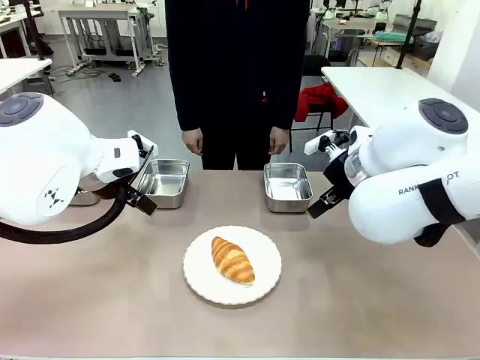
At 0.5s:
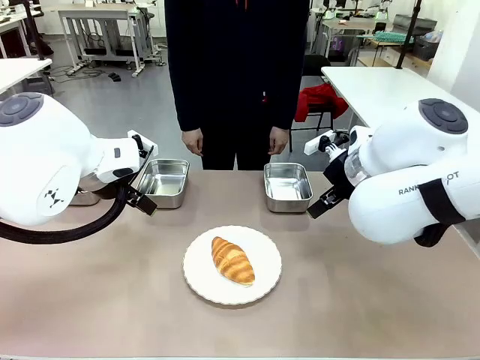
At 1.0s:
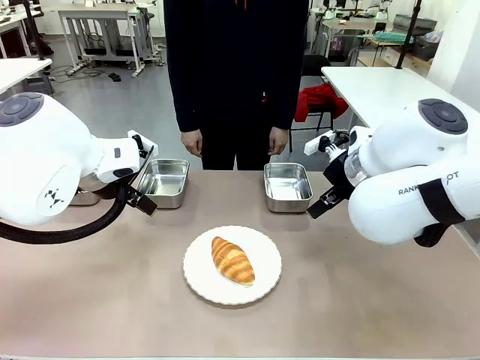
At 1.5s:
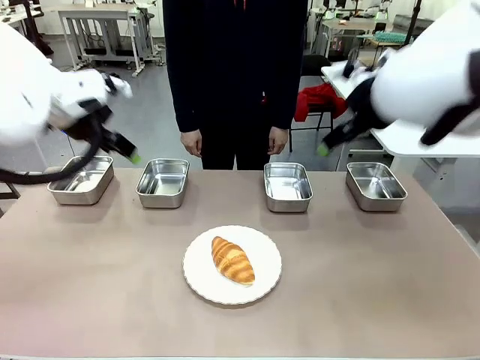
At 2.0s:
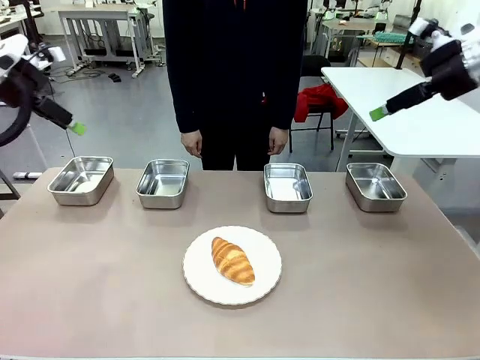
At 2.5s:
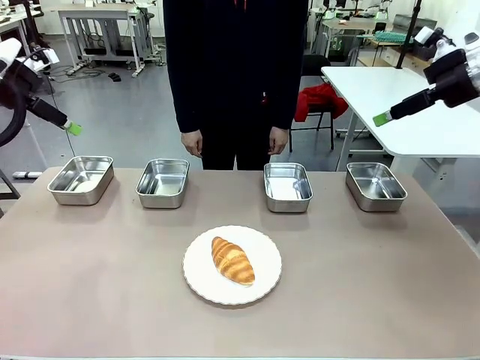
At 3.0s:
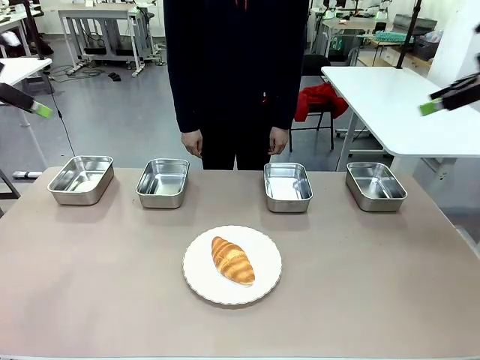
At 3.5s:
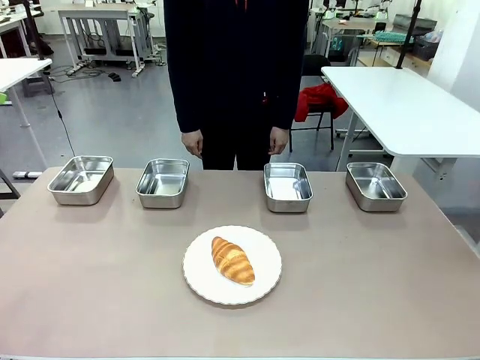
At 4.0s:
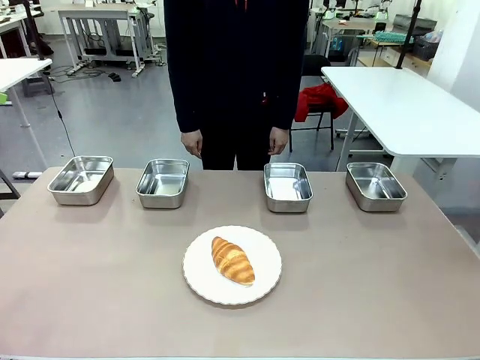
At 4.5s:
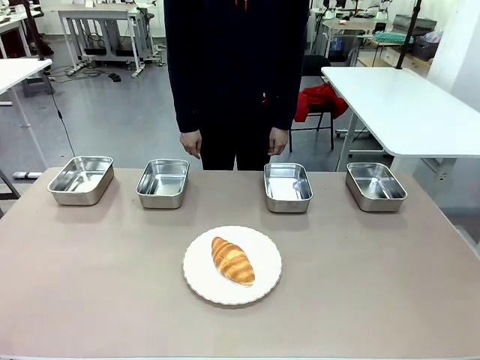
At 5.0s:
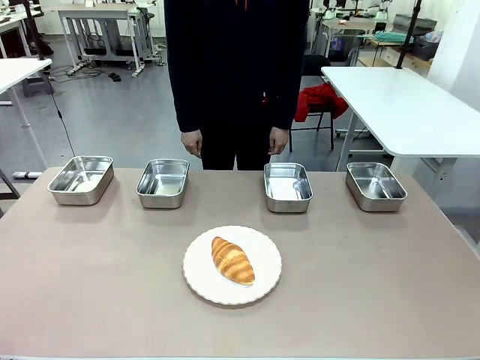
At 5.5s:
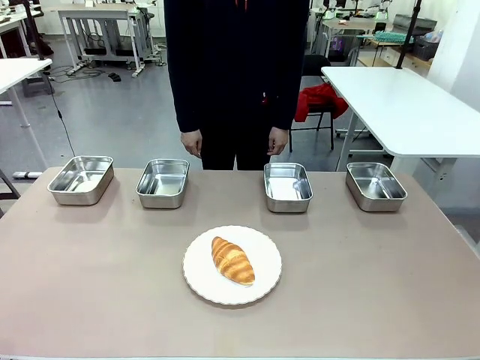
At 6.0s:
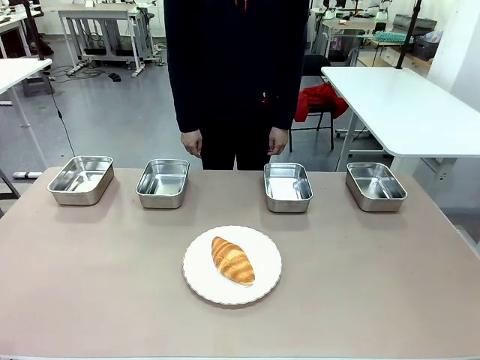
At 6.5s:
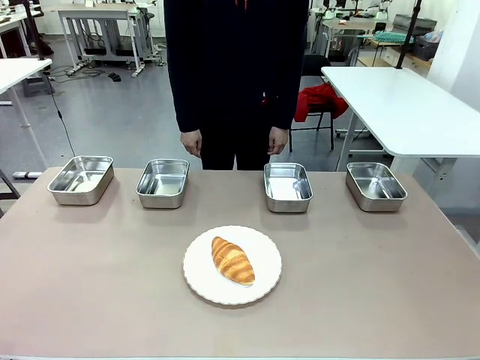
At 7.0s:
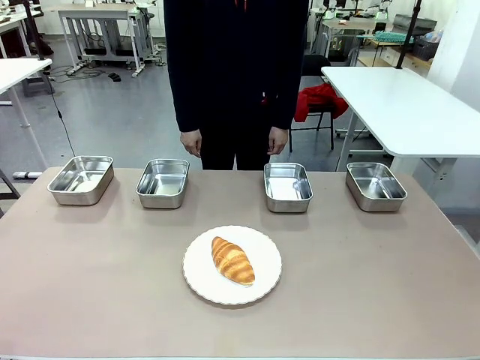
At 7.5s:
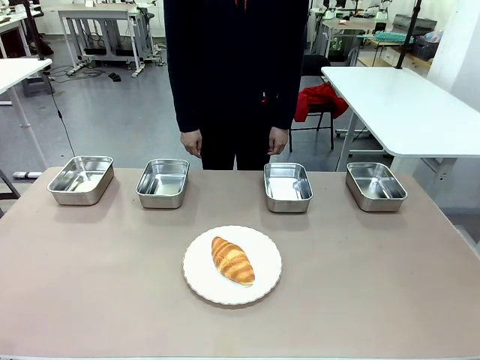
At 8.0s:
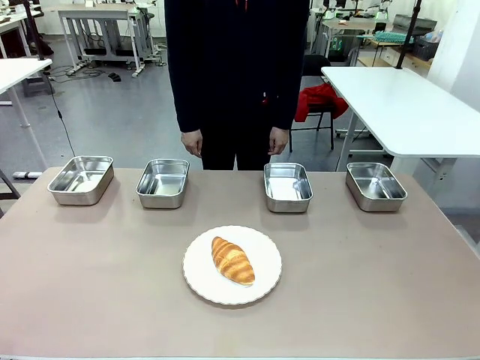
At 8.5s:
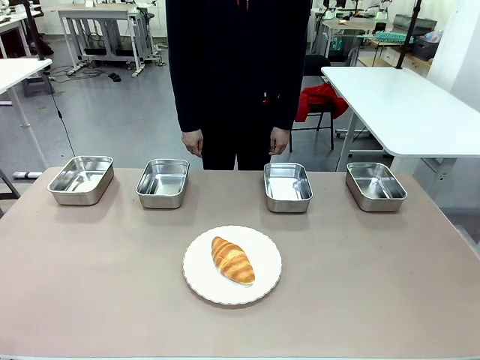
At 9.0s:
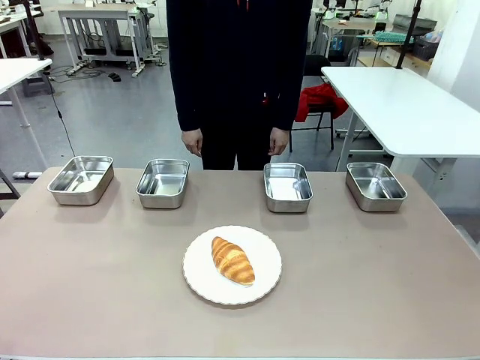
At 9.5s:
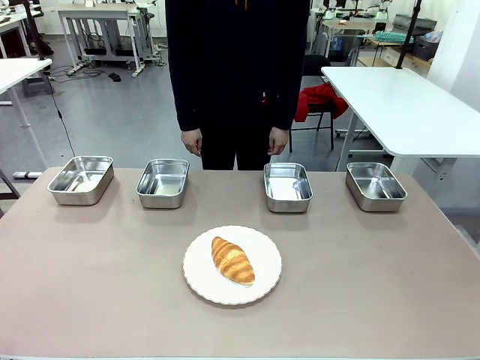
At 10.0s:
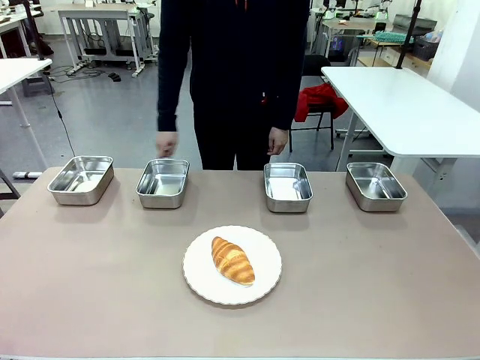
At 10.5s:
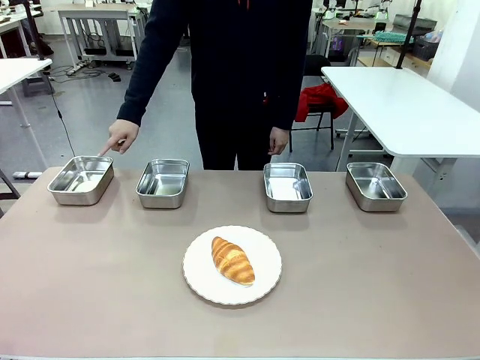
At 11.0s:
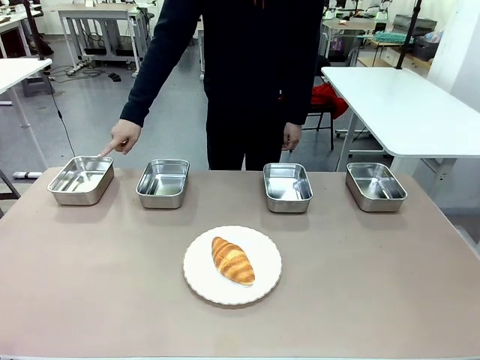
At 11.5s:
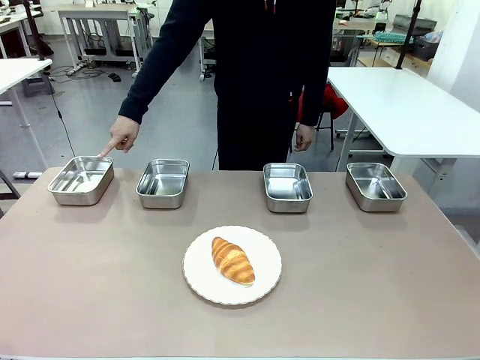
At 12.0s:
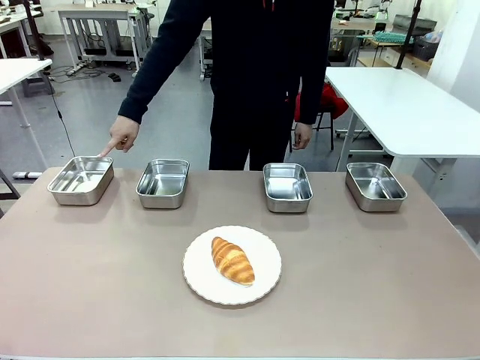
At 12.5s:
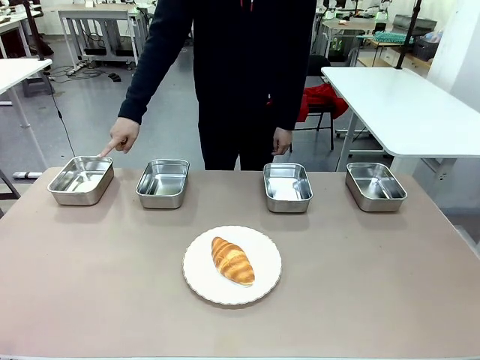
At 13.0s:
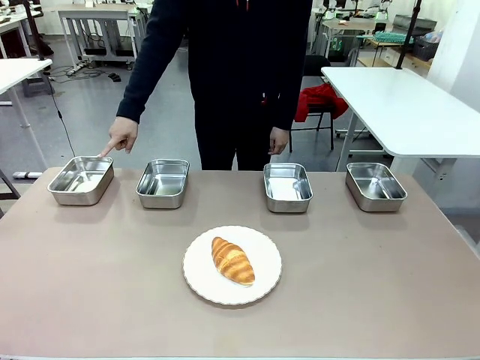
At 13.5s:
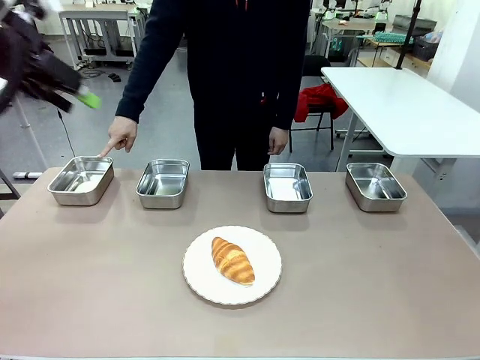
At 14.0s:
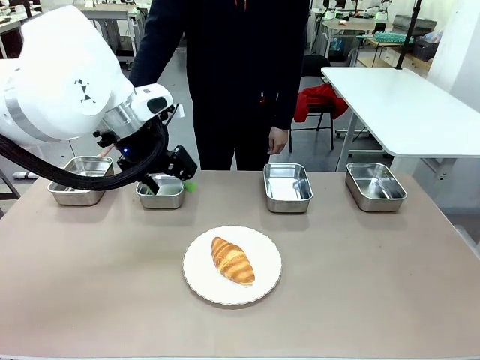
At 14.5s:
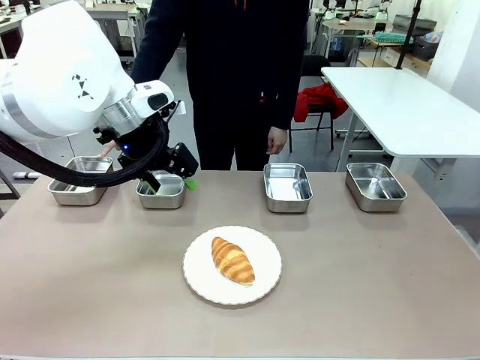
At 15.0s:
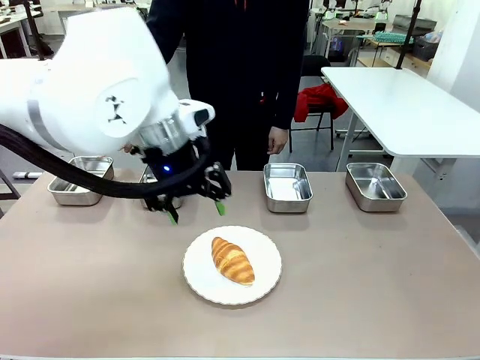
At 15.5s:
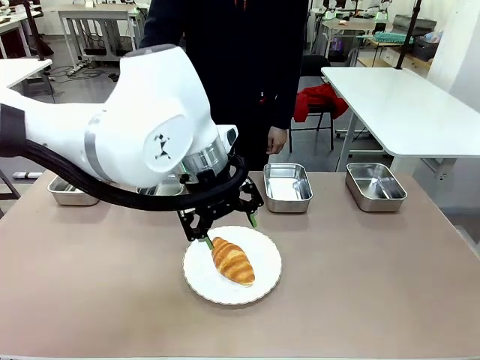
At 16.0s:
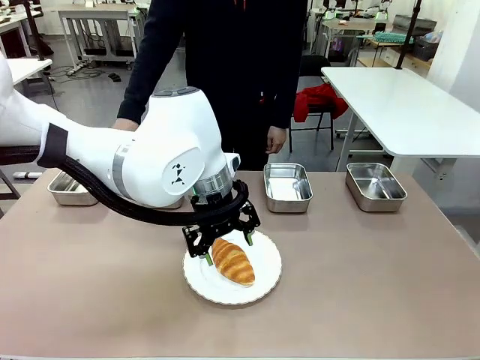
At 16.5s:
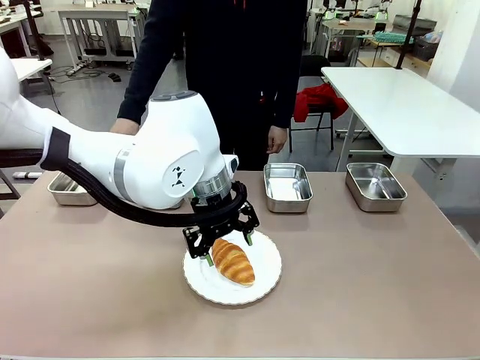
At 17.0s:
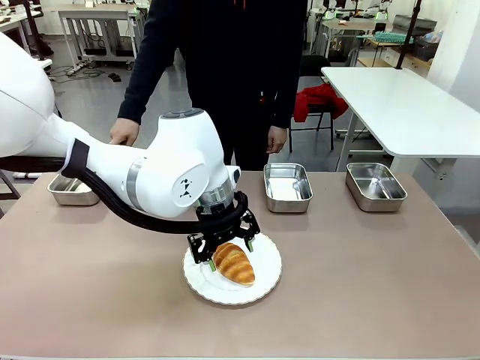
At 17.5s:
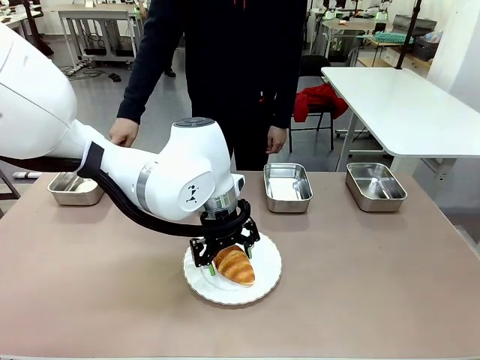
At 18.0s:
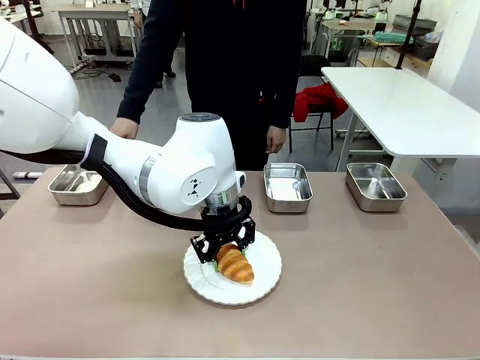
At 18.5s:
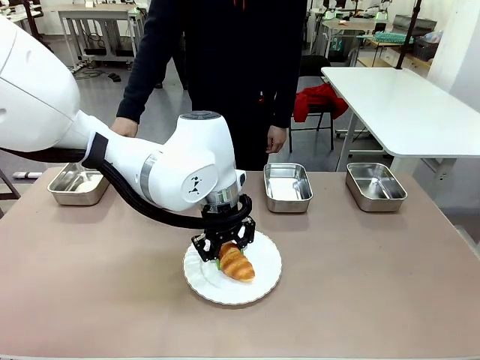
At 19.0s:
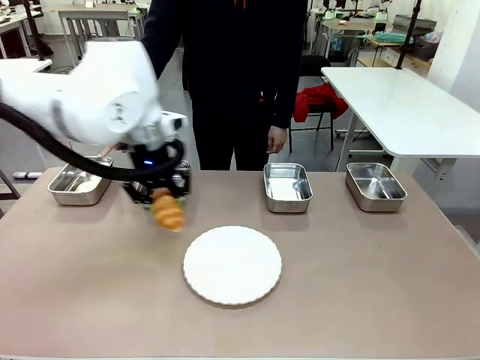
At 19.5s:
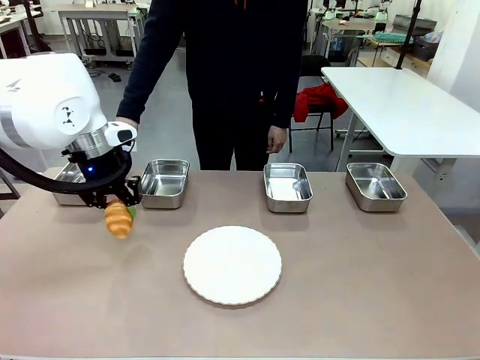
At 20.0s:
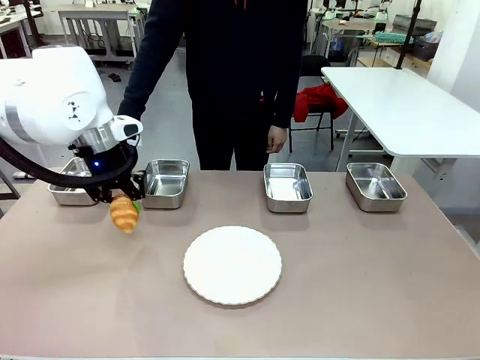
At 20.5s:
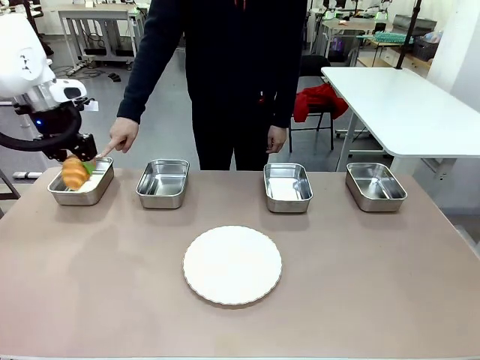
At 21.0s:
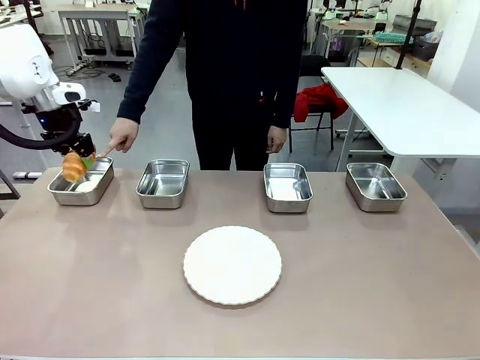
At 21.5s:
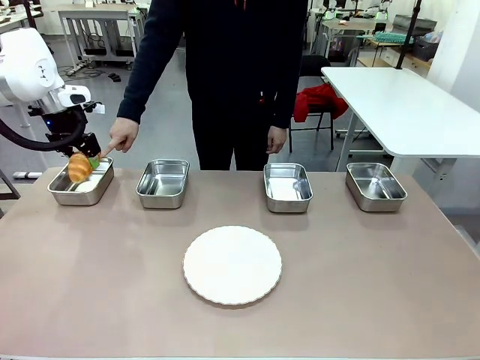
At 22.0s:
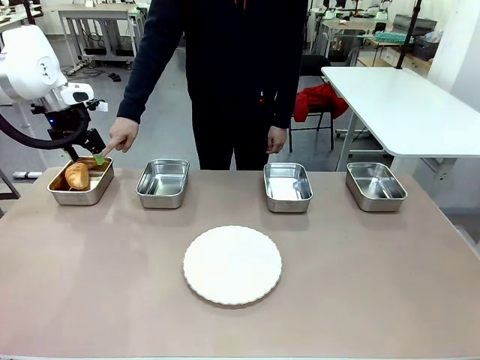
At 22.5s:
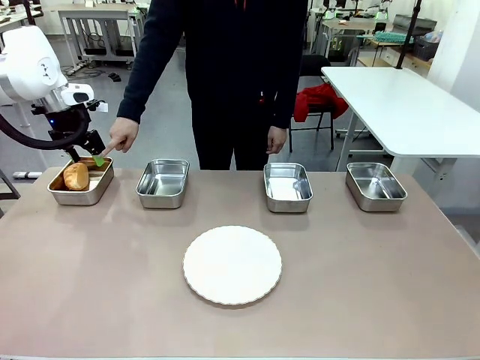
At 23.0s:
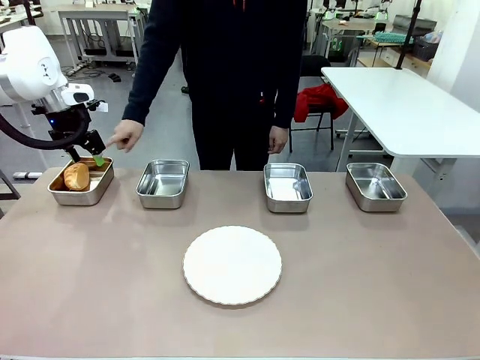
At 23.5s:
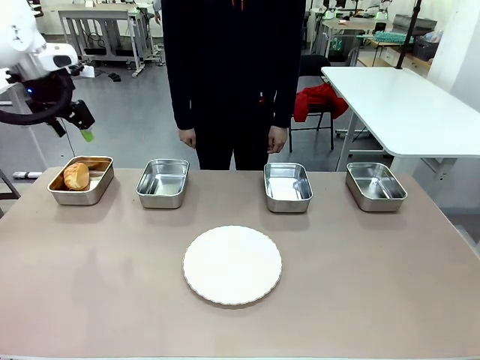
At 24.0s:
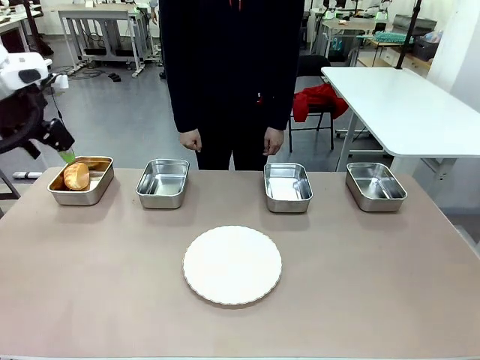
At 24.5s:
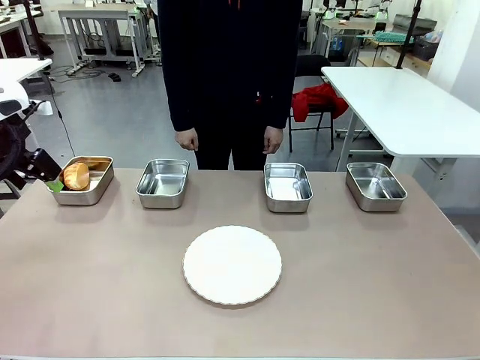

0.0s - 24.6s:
Task: Place the bread in the container.
Robot: Place the Butter Roll into the Airtight Container indicated by the human.
Person: A person randomly selects and points to an Airtight Container.
